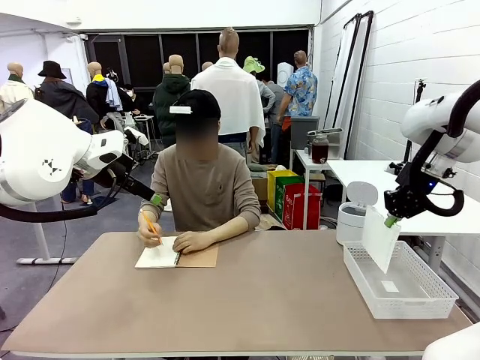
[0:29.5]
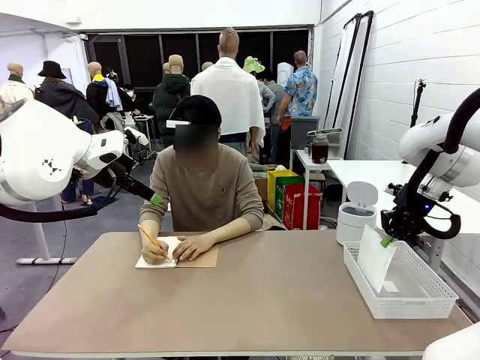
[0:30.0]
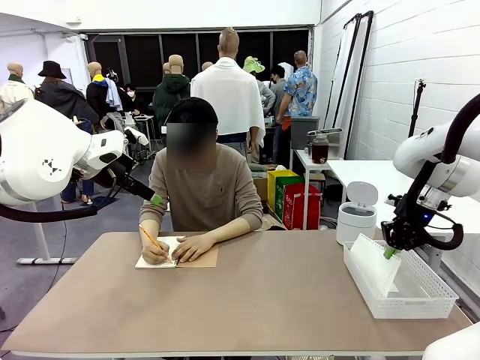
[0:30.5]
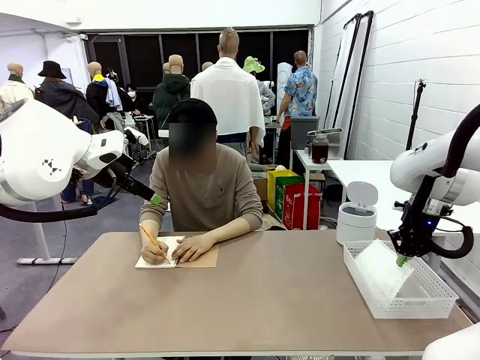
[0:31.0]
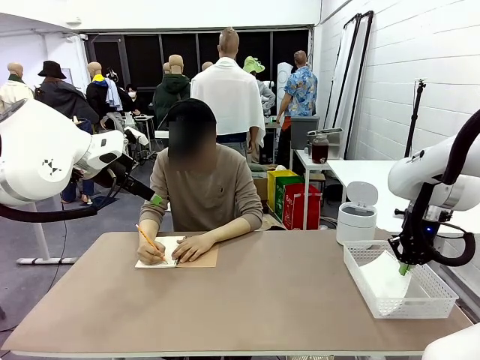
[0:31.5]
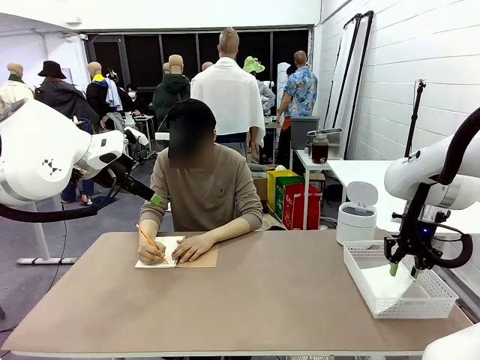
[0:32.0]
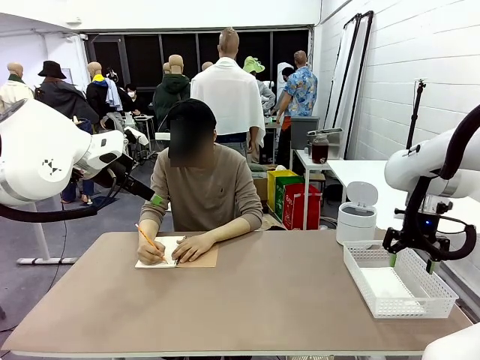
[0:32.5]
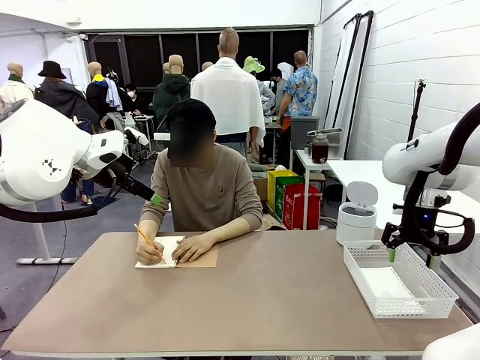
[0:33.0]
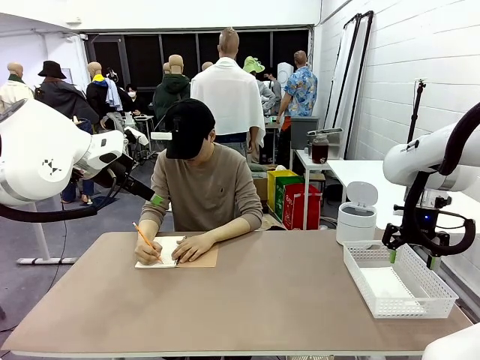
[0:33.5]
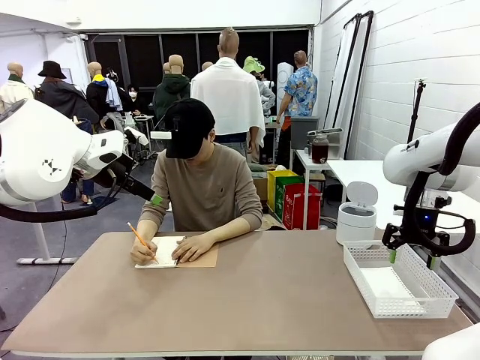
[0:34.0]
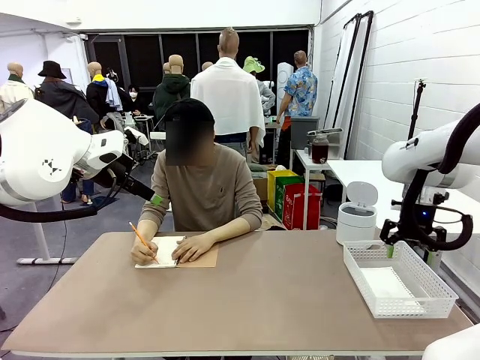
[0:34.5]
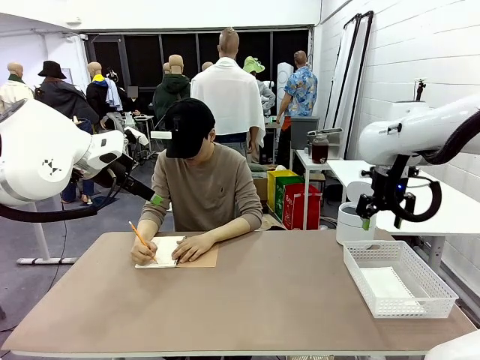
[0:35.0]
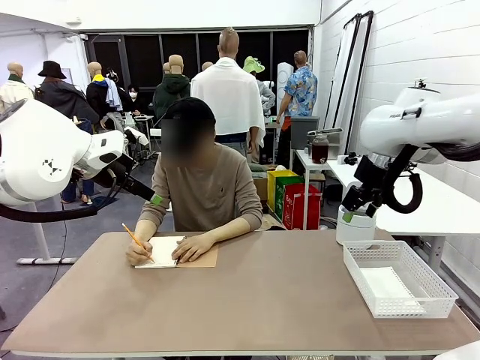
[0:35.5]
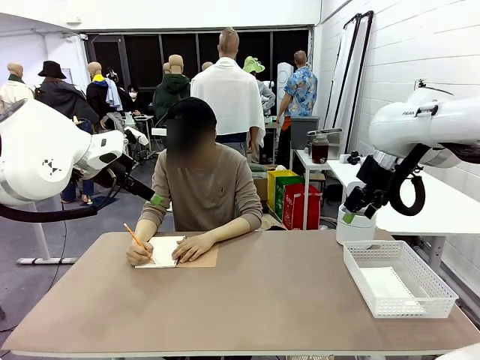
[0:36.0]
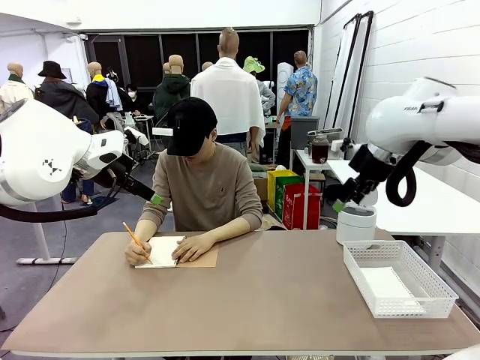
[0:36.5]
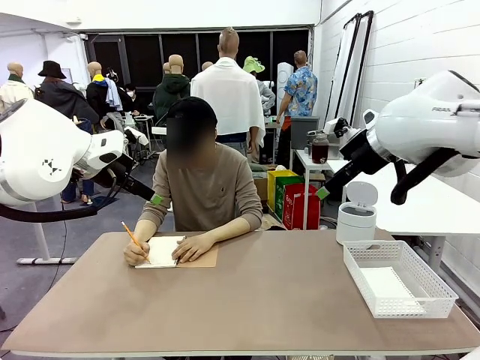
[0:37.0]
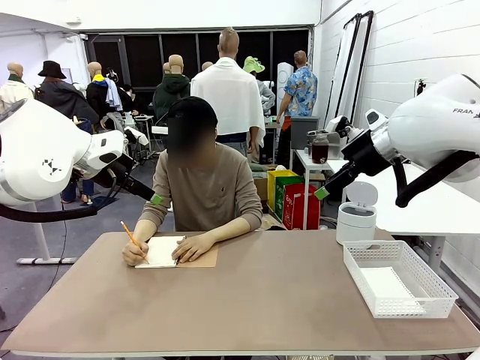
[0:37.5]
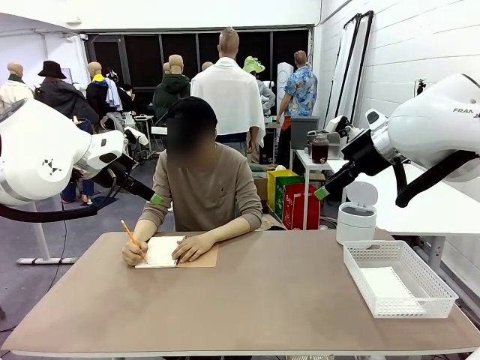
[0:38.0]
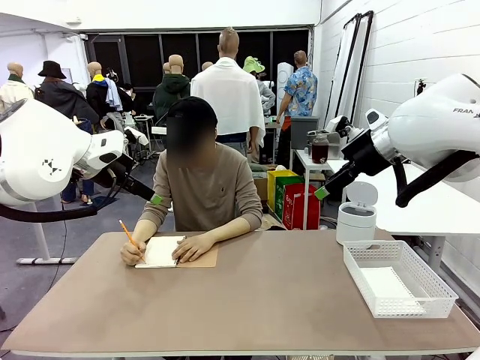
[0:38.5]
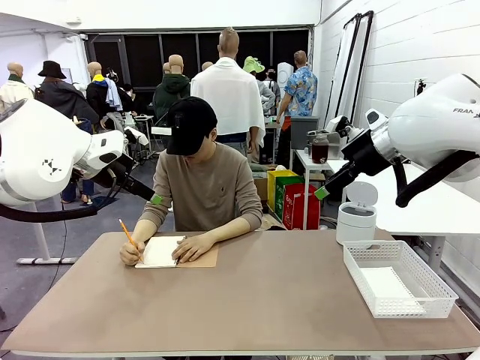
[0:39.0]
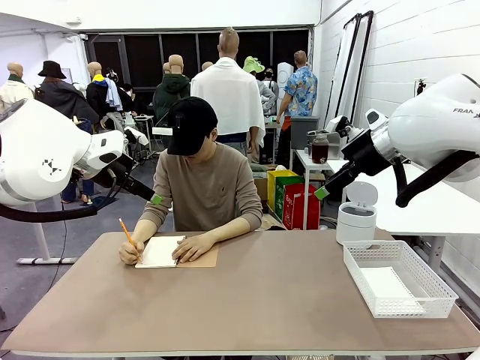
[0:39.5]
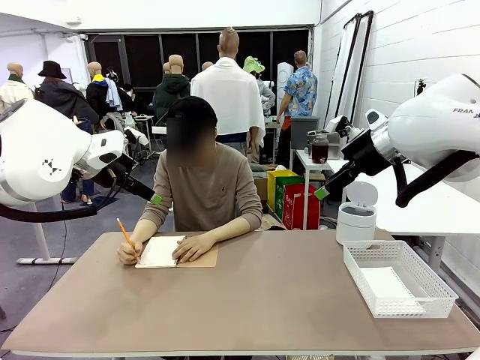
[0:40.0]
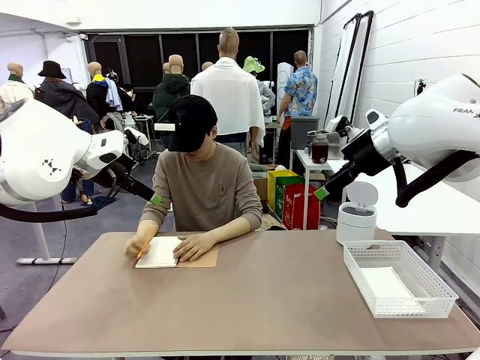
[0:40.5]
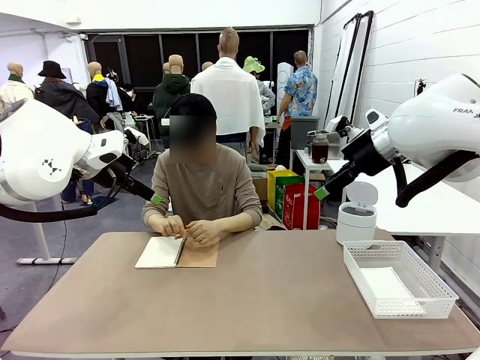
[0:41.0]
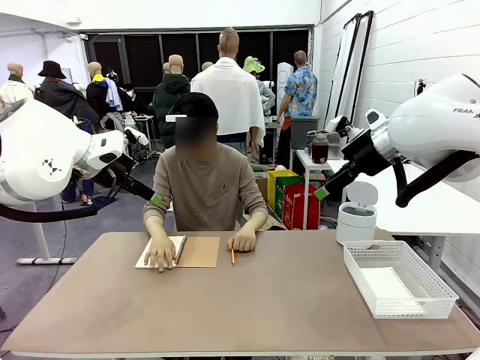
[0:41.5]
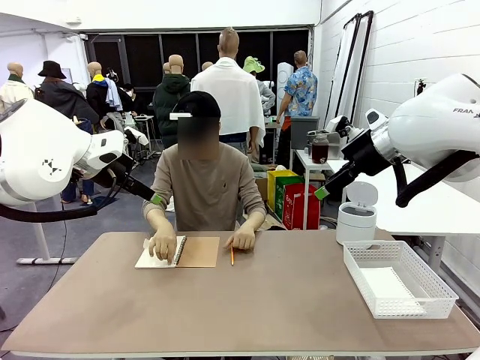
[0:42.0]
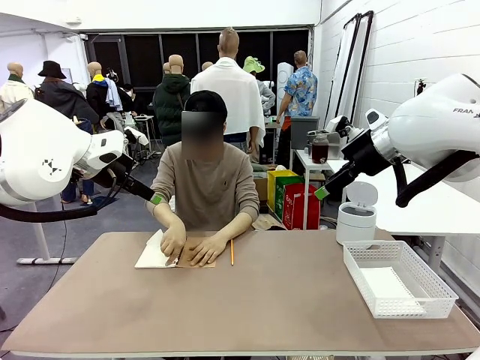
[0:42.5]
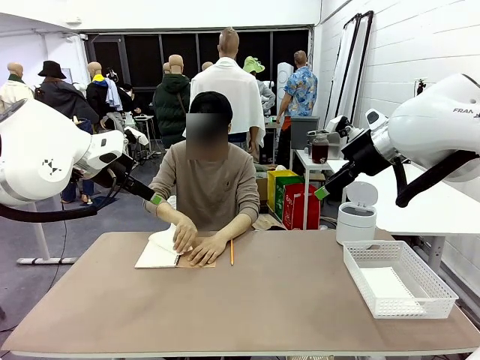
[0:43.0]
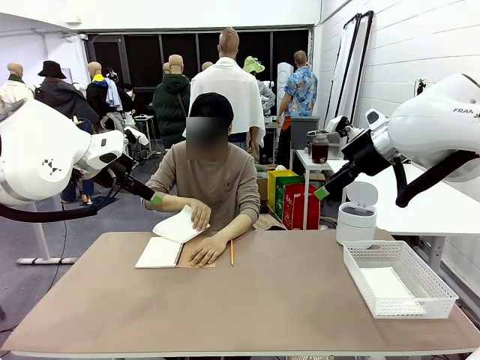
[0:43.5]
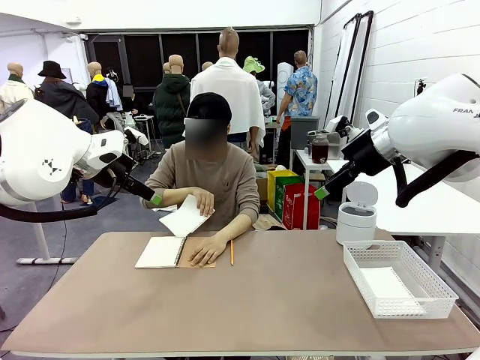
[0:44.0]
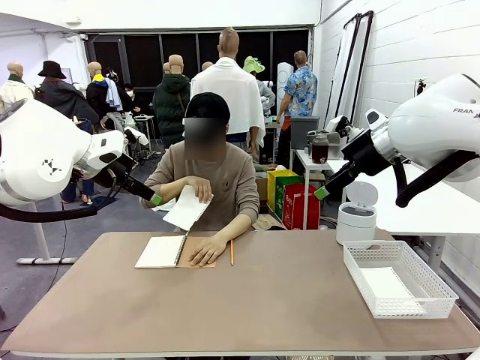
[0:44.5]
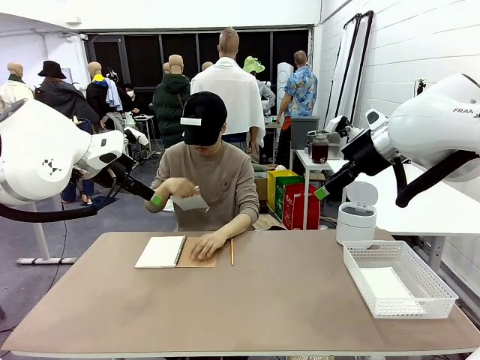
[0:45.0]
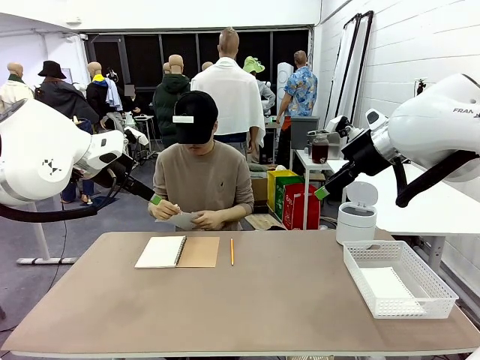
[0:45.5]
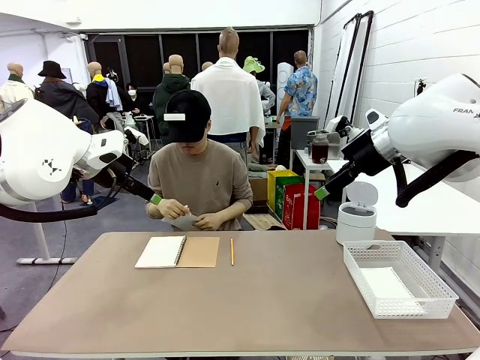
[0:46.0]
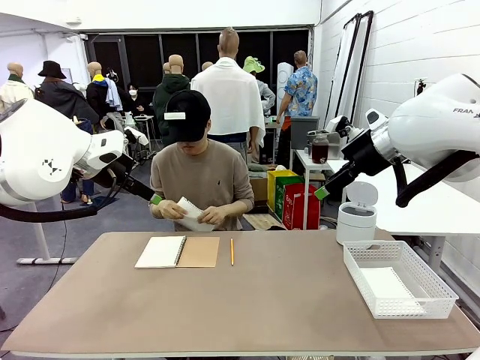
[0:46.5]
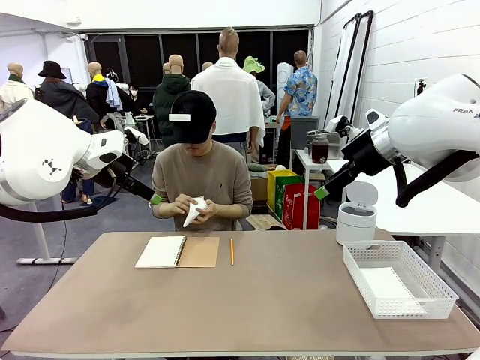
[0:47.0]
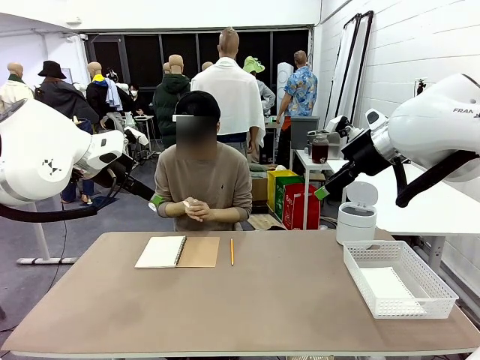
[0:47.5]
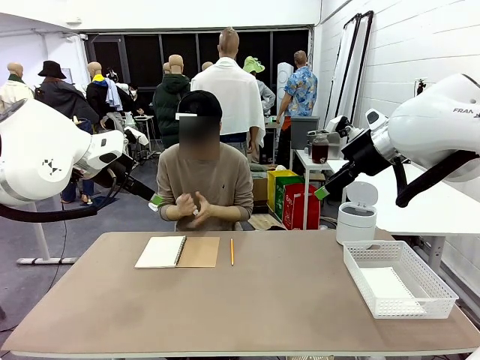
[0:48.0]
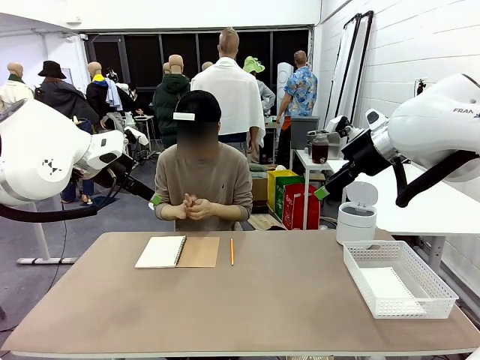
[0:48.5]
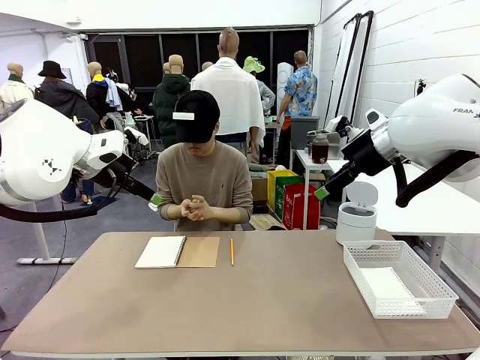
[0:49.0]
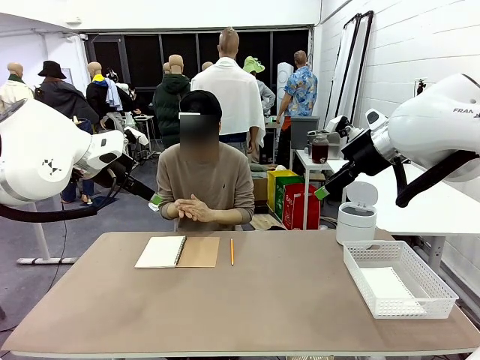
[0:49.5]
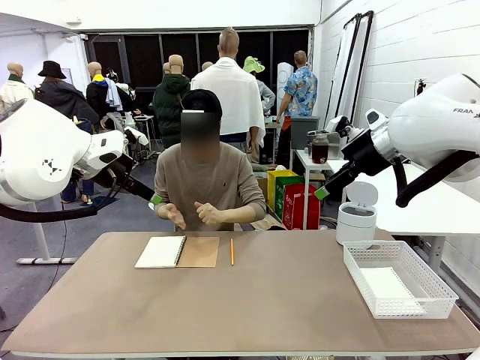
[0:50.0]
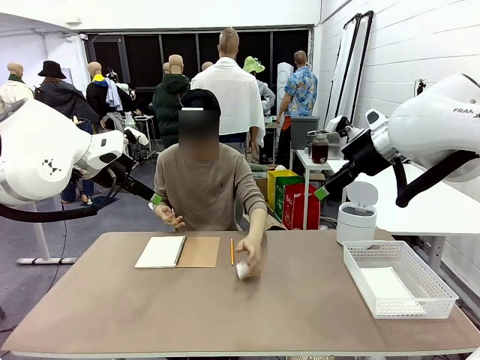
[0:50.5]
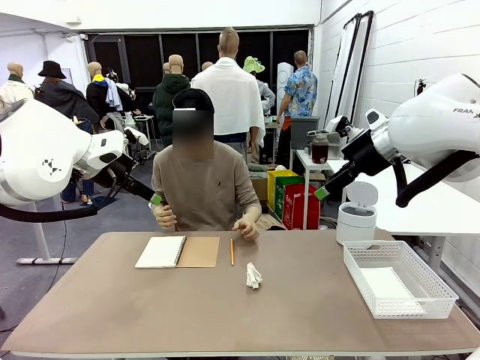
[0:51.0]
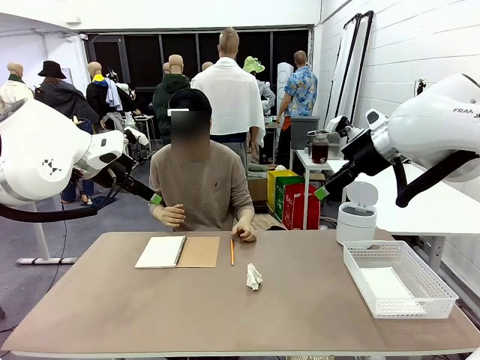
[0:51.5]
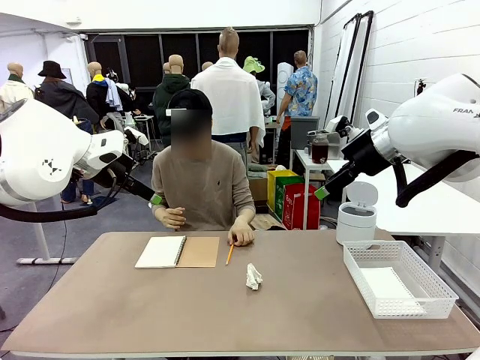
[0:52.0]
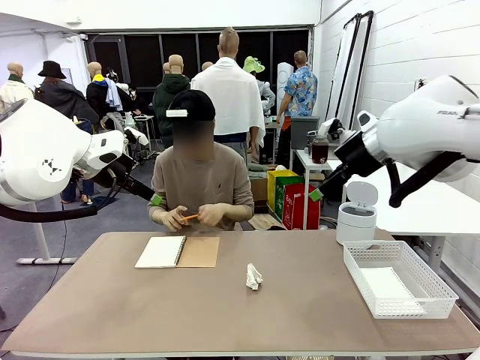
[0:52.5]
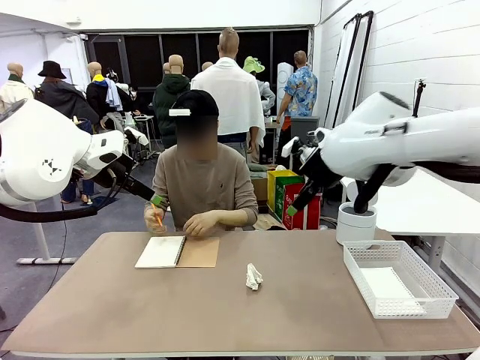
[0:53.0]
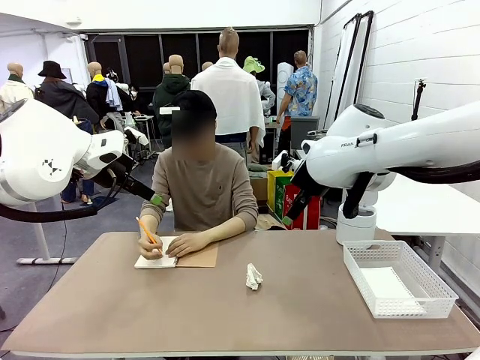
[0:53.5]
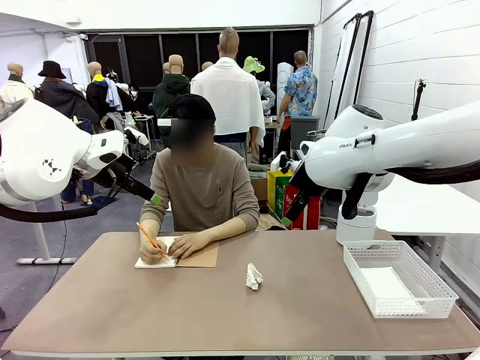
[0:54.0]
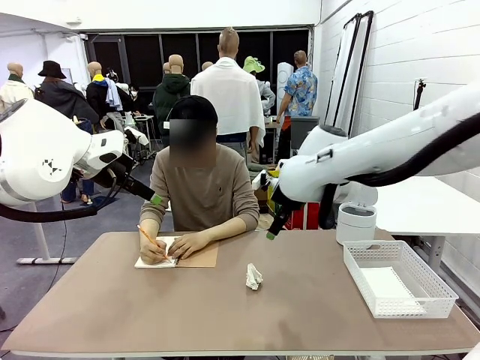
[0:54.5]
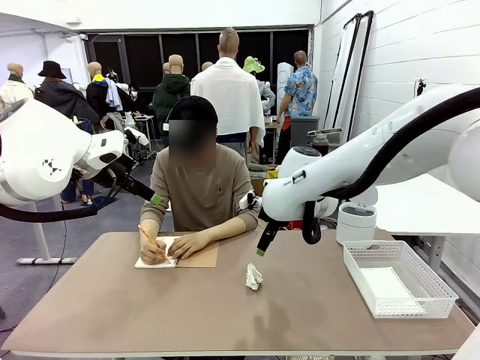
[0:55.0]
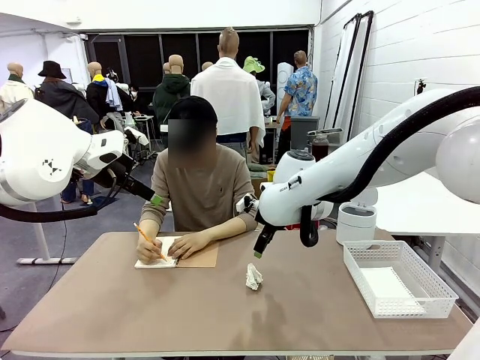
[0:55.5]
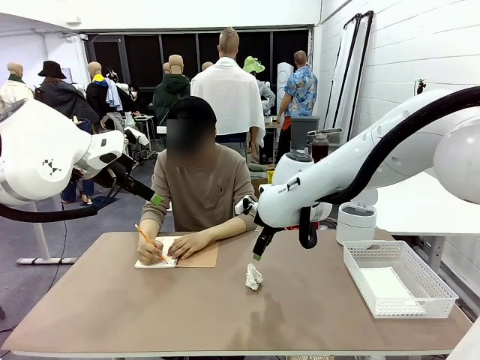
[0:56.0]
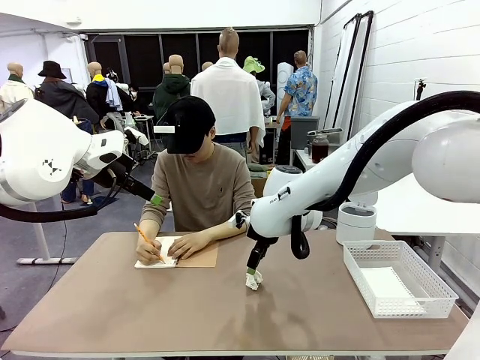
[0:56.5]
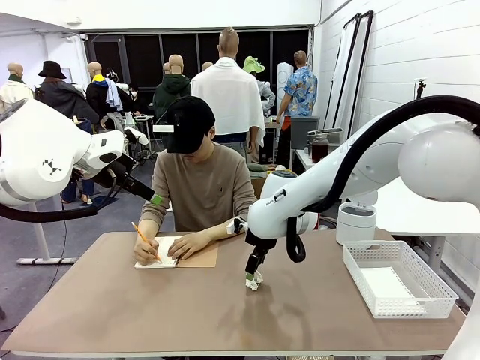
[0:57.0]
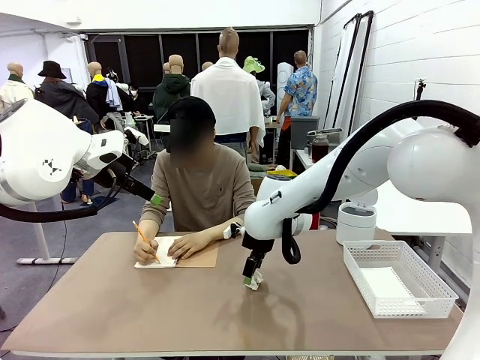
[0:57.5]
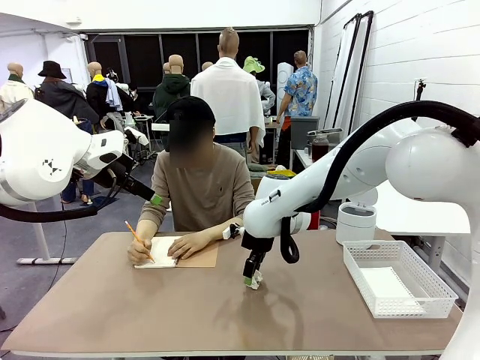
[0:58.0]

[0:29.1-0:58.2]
Task: Sort the paper based on its condition.
Robot: If a person hands you a paper, place it in the Organizing basket , and if it's crumpled, put it in the Trash can.
Person: Tear out a page from the spiral notebook. Hand the torn page to the robot or crumple it and throw it to the center of the table.
